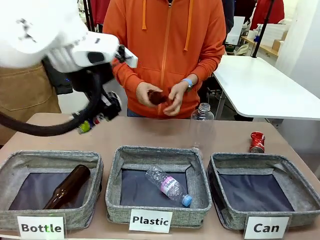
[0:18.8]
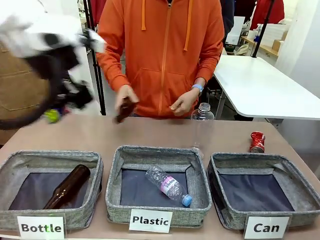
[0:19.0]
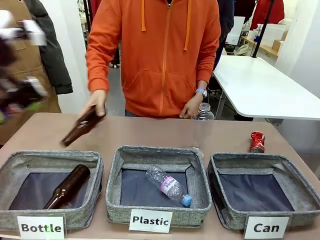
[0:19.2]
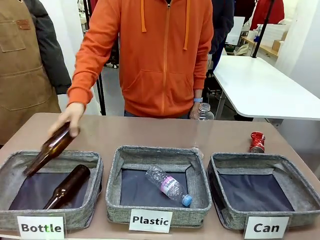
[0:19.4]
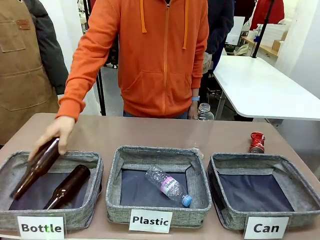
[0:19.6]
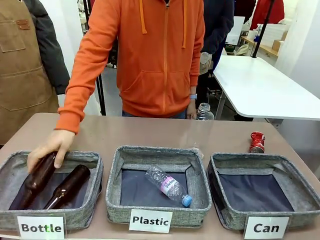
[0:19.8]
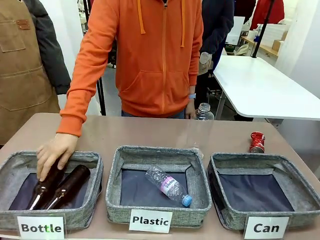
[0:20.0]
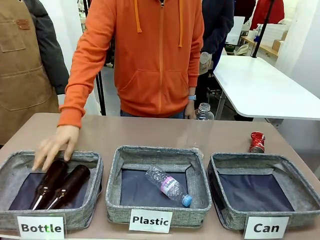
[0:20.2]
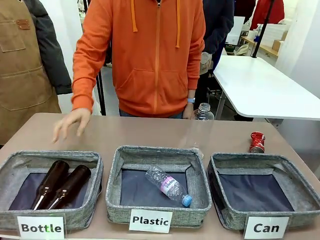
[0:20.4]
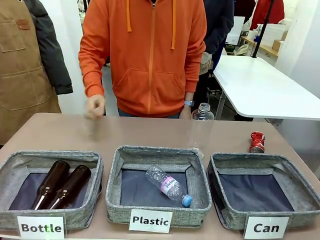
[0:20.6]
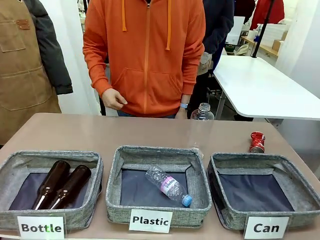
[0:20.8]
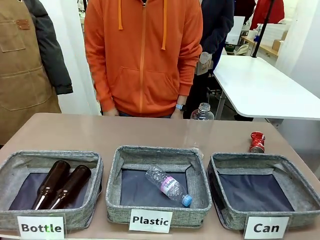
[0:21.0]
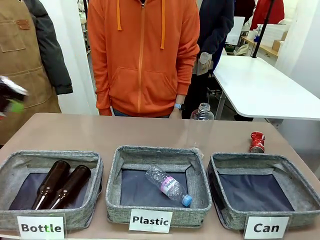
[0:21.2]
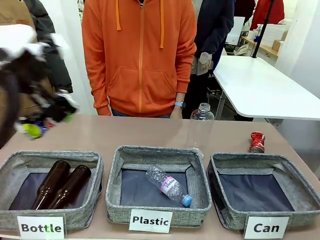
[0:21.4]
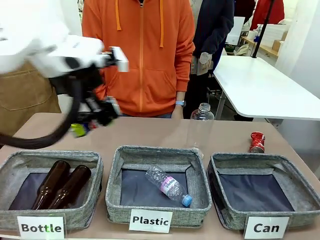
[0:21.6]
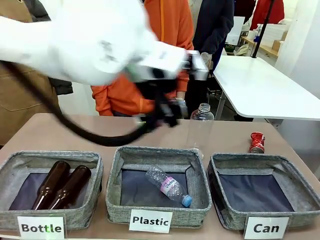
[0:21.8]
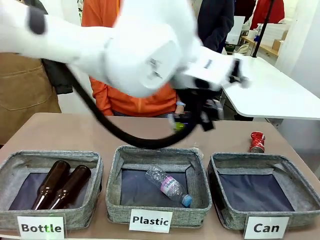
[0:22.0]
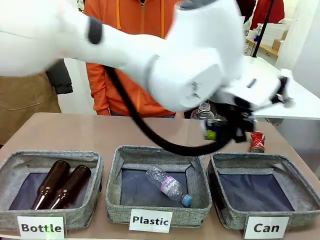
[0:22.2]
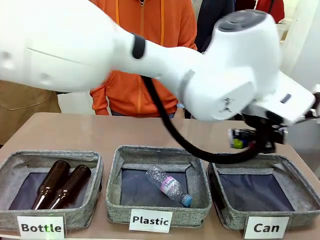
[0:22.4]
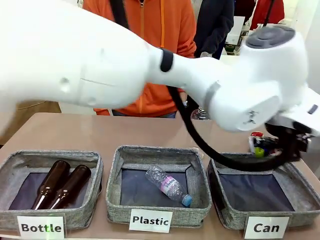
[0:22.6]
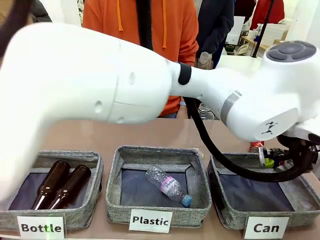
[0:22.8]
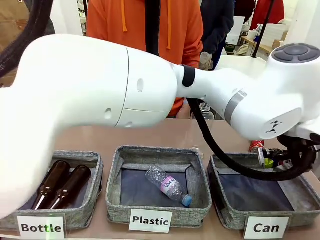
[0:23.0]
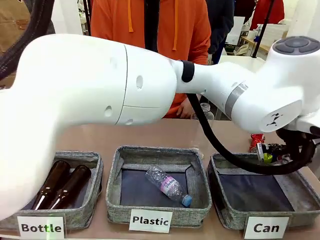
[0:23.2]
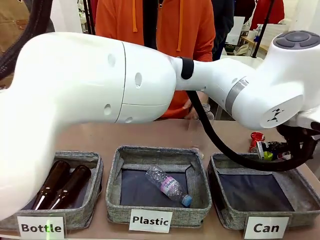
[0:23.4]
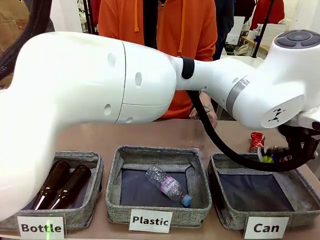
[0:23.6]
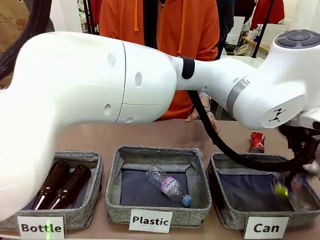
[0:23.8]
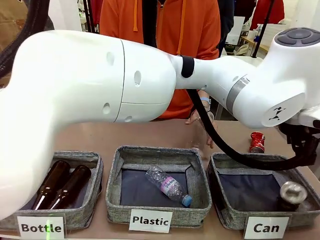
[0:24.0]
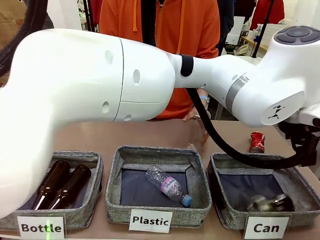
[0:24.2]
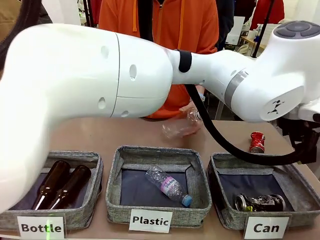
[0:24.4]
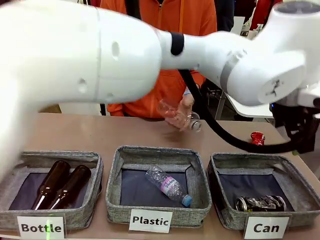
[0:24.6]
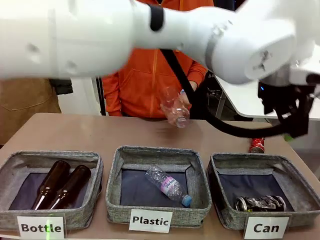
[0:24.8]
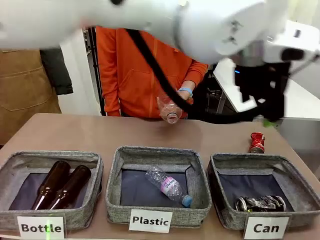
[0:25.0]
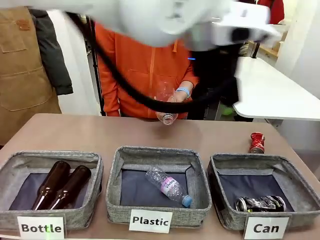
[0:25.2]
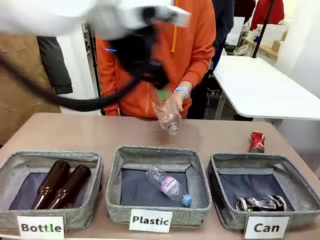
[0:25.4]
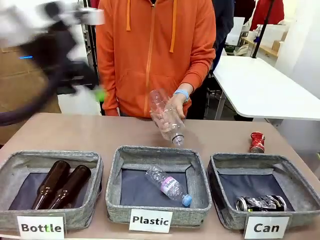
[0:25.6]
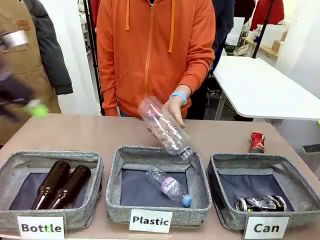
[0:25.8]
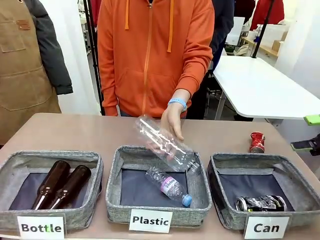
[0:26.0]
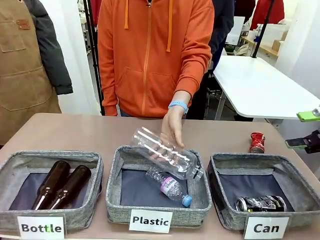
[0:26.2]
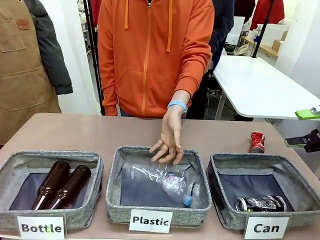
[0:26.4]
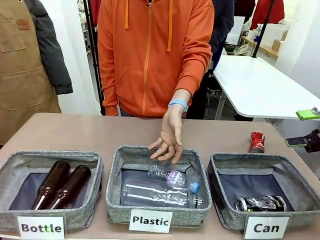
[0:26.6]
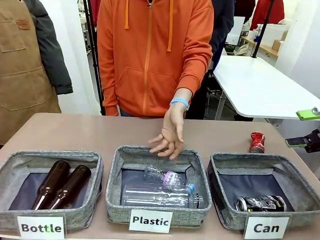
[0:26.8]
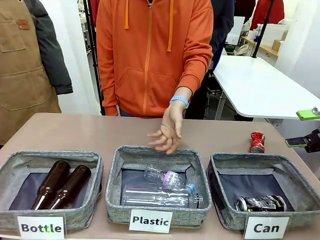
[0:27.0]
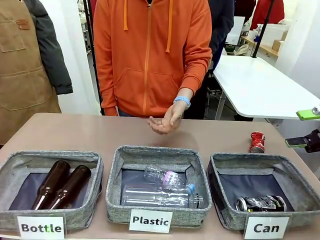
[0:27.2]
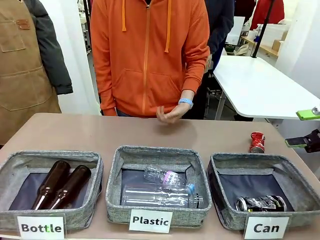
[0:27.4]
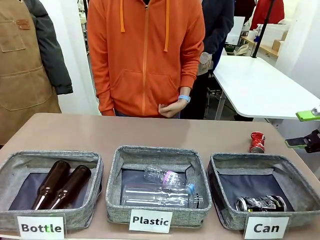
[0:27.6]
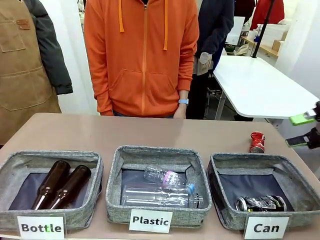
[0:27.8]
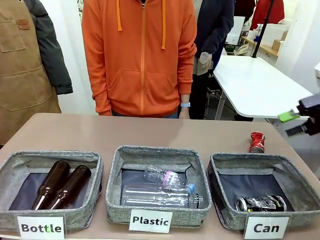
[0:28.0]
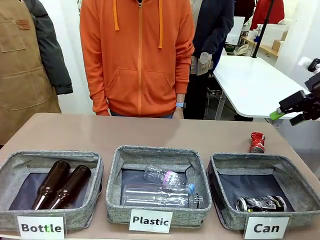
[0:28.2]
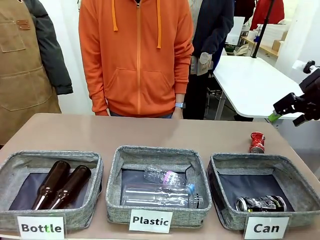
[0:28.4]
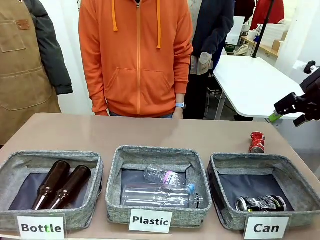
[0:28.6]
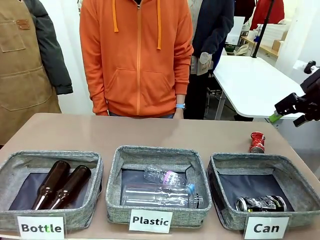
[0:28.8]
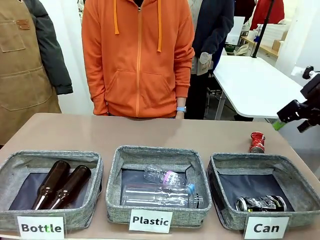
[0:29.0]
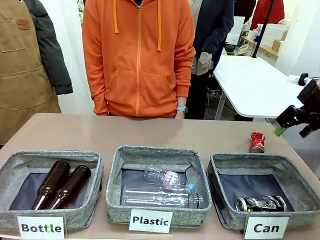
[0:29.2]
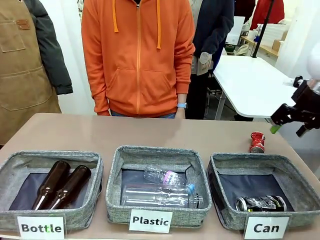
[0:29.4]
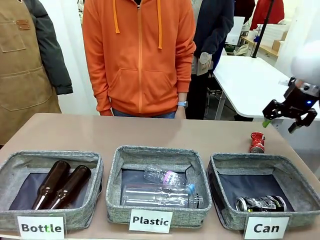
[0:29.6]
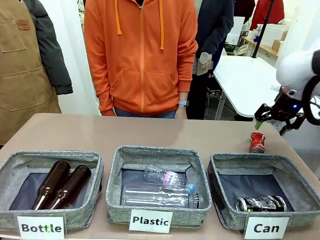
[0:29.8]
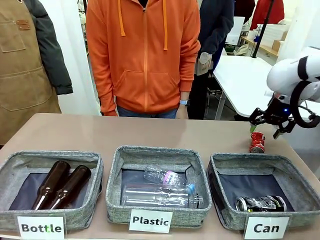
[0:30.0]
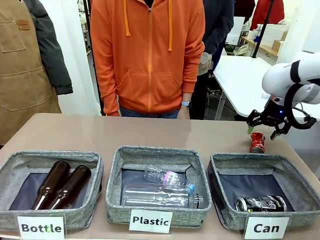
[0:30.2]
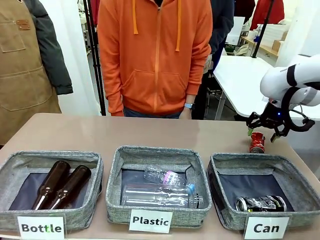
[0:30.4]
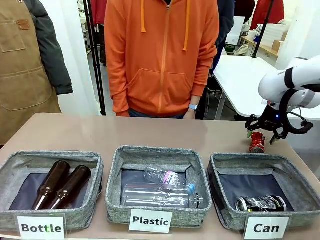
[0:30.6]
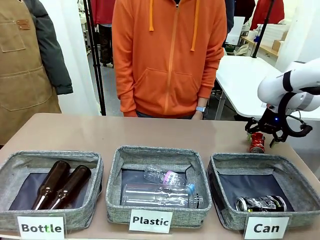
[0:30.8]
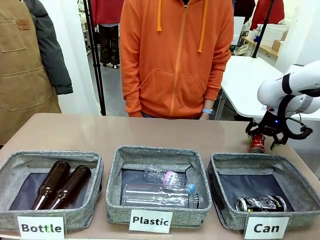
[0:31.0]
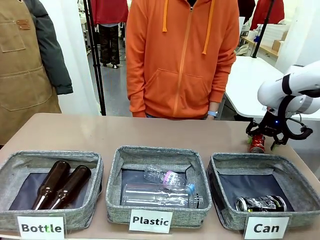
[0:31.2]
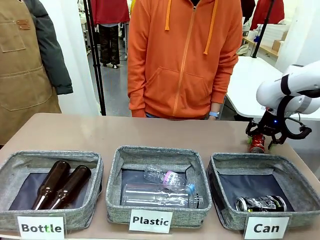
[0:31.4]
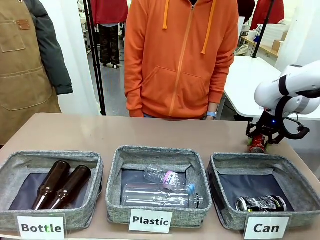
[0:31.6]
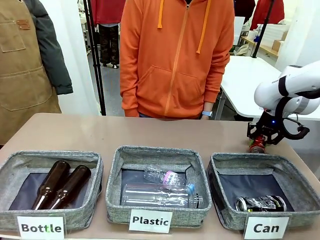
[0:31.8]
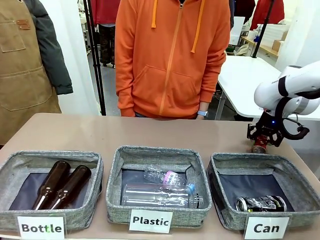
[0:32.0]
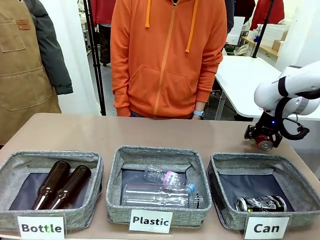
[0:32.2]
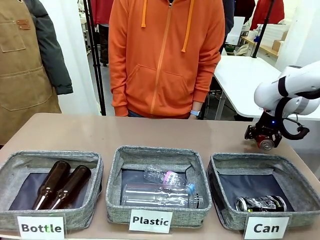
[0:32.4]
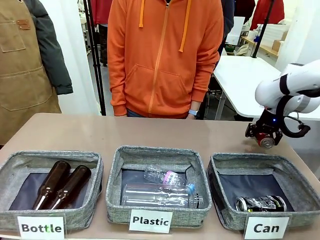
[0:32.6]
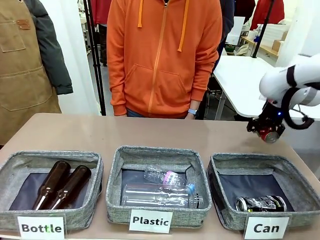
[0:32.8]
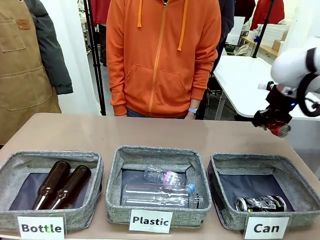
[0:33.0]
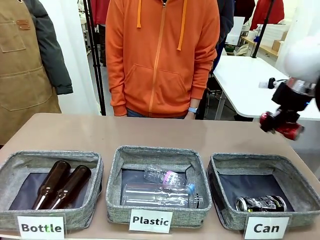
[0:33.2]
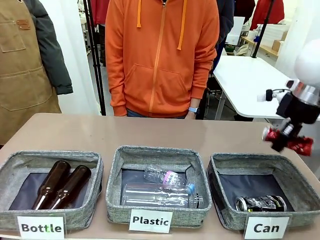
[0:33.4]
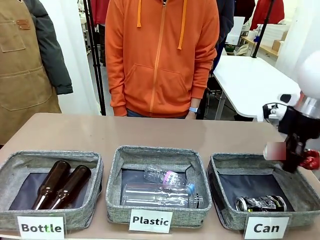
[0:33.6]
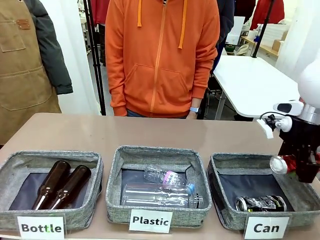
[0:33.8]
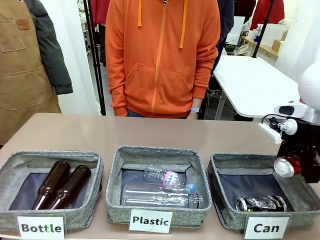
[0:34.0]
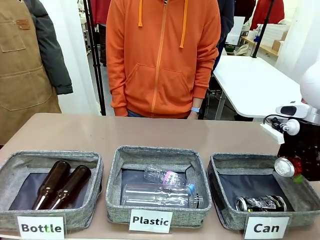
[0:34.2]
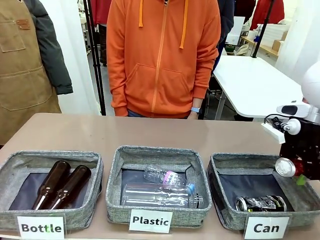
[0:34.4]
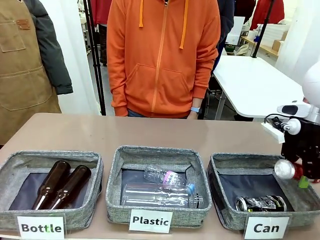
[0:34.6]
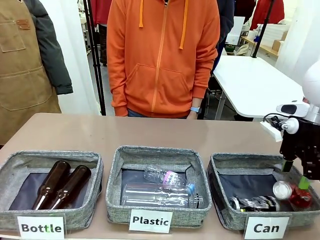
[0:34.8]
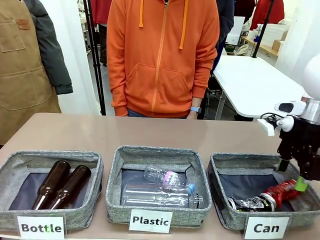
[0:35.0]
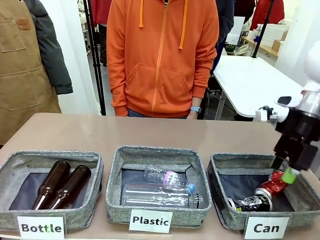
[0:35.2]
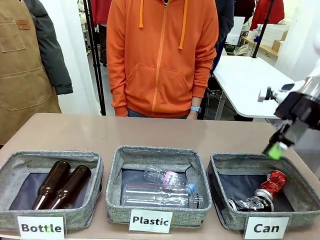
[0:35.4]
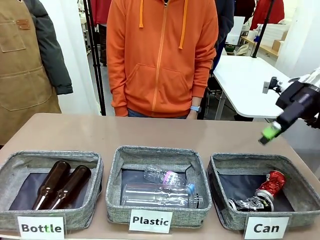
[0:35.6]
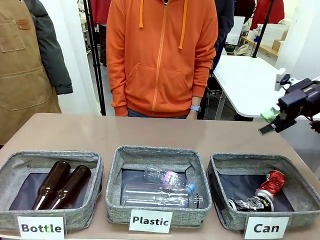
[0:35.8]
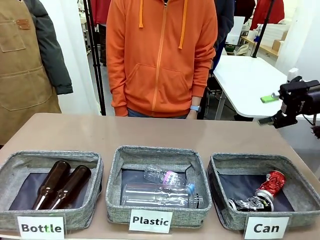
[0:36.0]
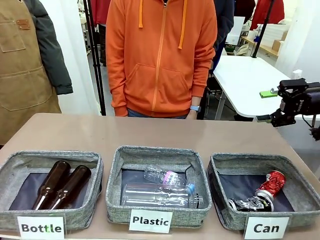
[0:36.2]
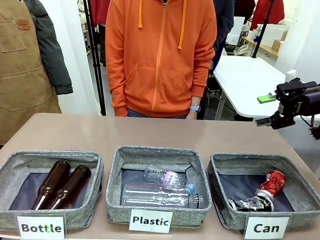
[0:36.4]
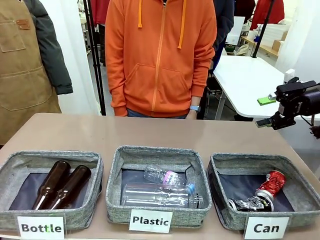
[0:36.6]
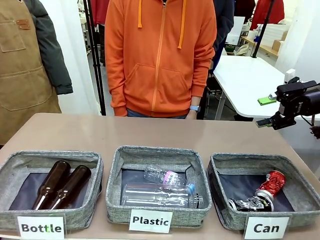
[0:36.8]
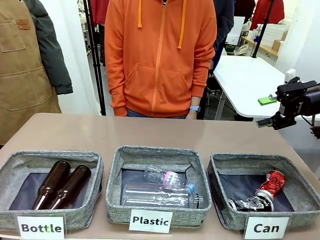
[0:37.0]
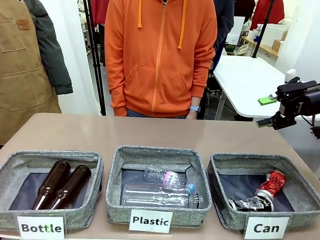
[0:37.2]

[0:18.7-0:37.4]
Task: Sort the can waste into the basket.
Robot: Pick up the can waste from the table and place it in the right Fabric basket.
